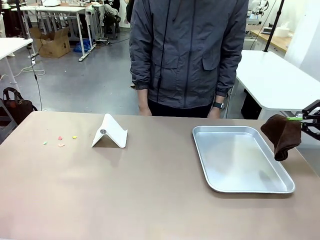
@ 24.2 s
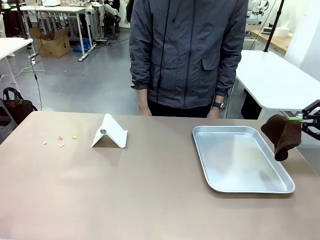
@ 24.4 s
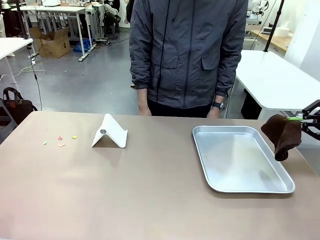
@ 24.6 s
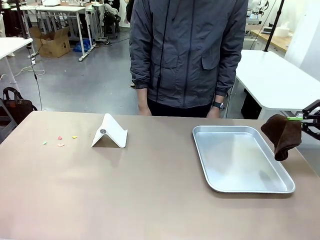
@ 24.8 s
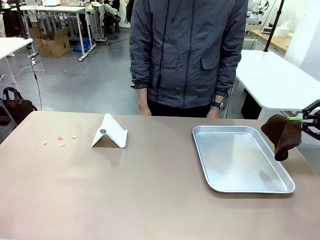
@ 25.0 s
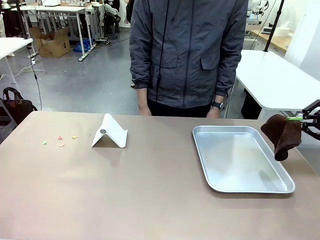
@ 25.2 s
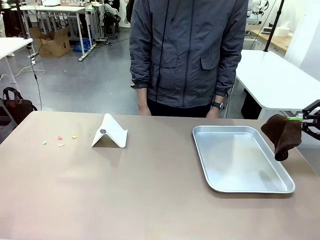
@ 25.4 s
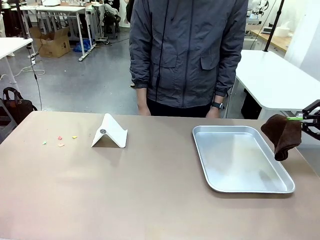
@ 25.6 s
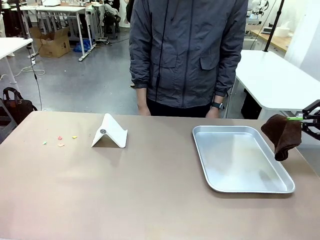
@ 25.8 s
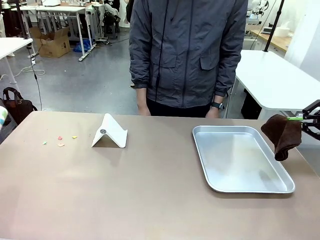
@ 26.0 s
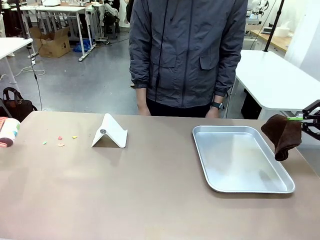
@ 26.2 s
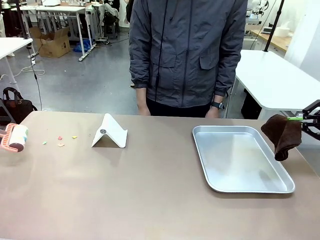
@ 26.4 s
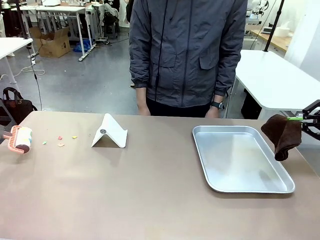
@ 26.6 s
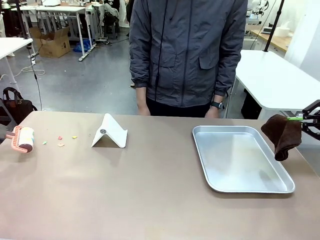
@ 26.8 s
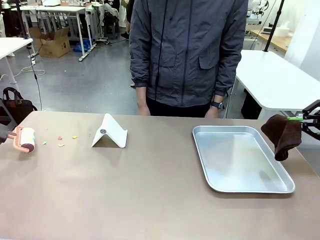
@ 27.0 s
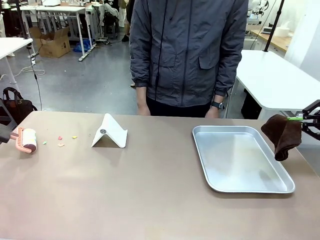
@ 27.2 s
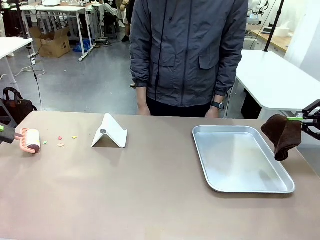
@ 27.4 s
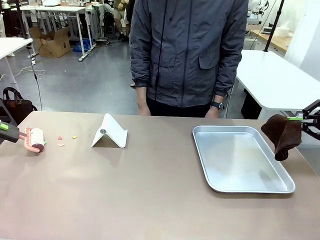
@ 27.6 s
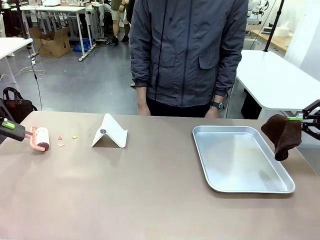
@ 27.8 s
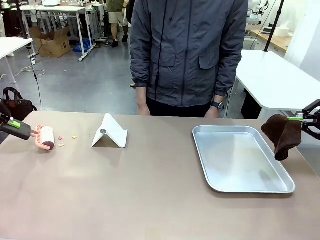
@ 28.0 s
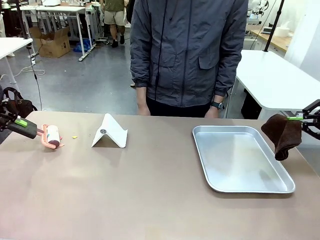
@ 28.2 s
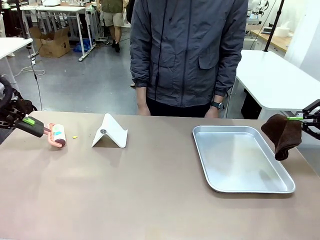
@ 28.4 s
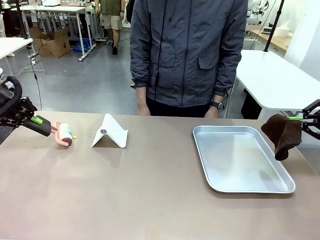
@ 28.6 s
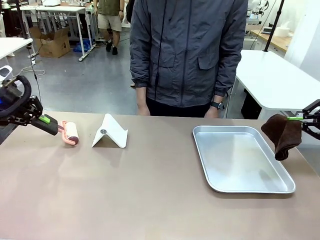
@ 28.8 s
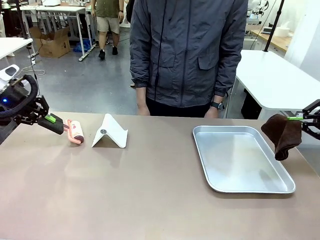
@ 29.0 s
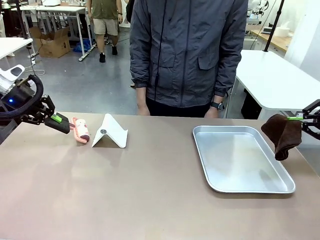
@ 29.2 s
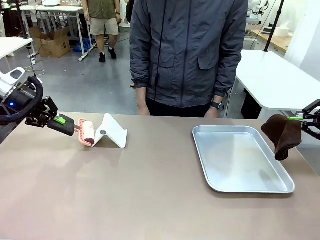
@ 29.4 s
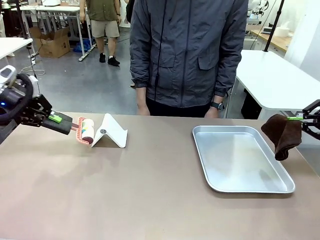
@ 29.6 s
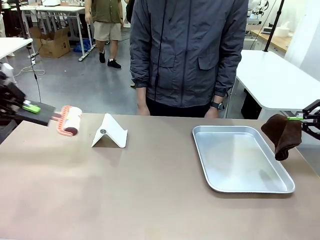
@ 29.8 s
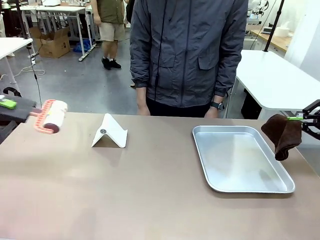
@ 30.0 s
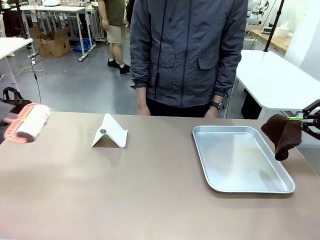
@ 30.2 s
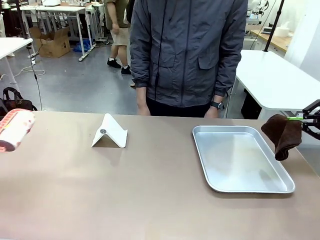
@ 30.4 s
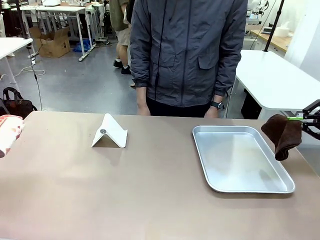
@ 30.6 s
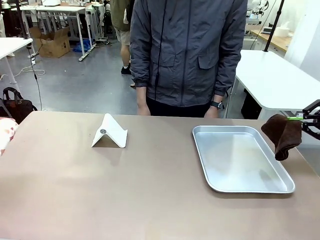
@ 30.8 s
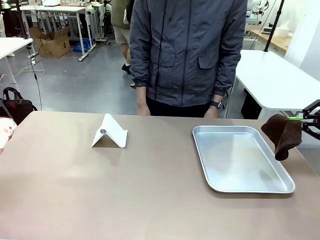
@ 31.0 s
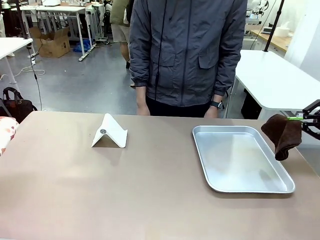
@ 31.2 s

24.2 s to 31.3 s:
Task: Clean the surface of the table.
Robot: Clean the area not pointed to by the person.

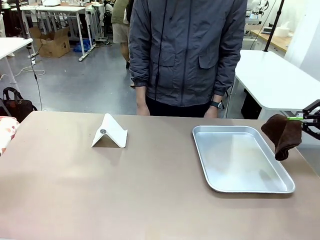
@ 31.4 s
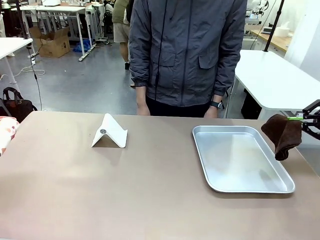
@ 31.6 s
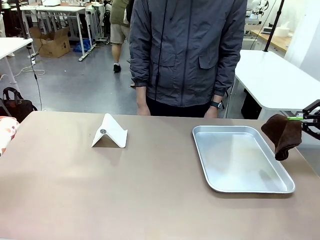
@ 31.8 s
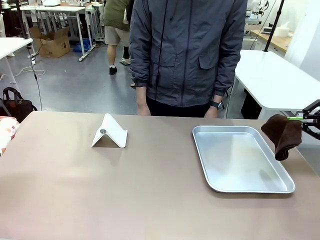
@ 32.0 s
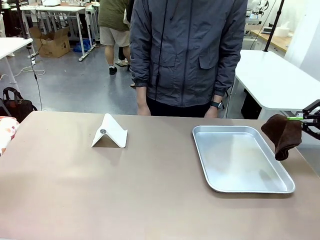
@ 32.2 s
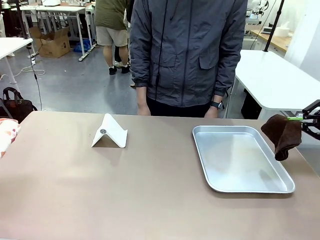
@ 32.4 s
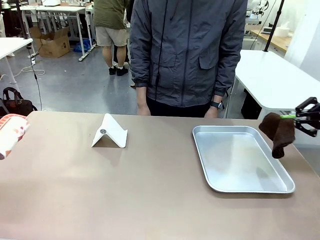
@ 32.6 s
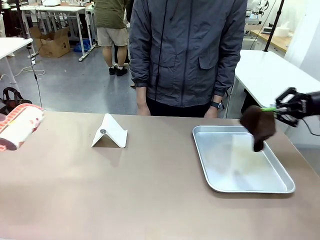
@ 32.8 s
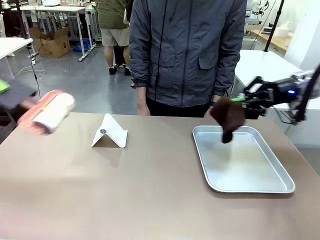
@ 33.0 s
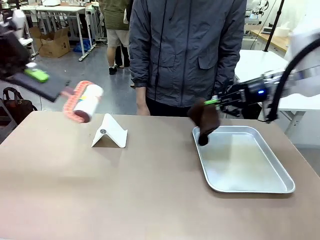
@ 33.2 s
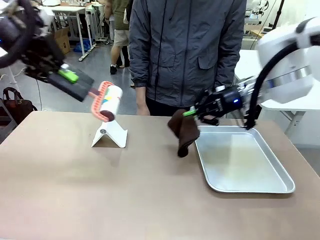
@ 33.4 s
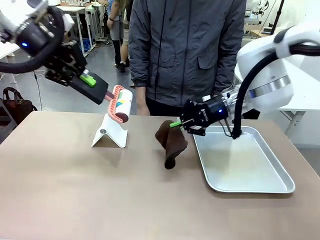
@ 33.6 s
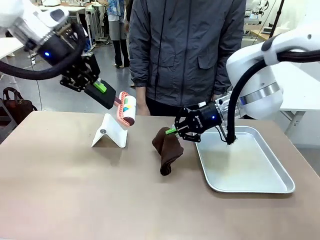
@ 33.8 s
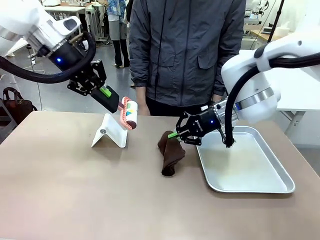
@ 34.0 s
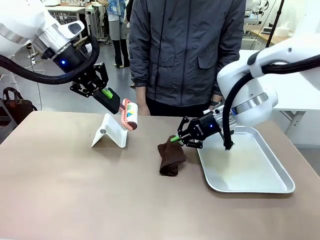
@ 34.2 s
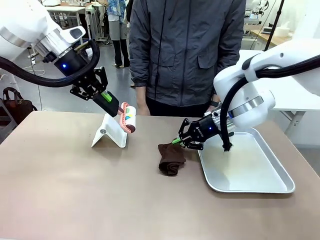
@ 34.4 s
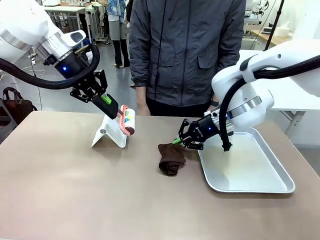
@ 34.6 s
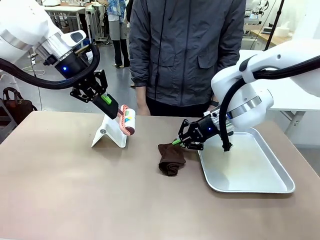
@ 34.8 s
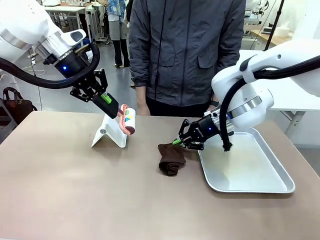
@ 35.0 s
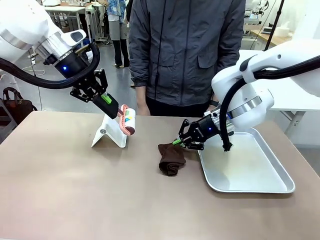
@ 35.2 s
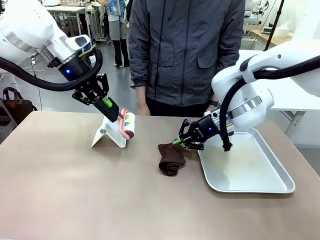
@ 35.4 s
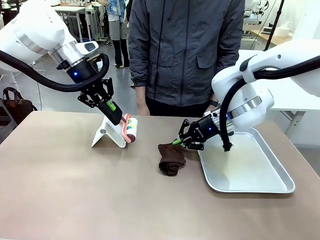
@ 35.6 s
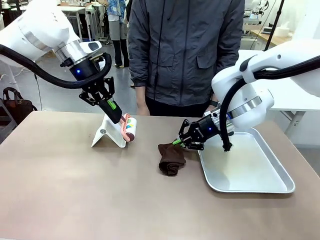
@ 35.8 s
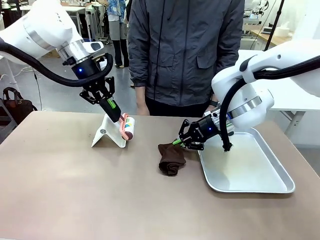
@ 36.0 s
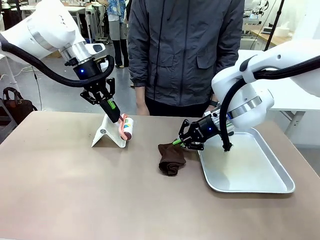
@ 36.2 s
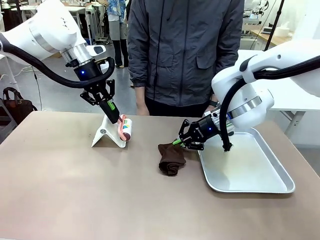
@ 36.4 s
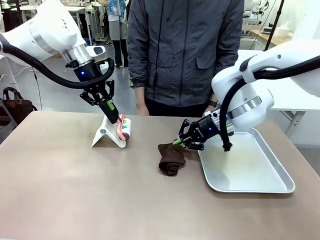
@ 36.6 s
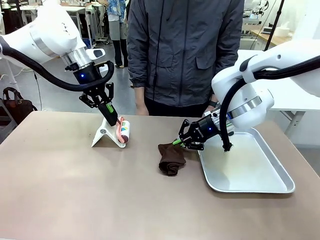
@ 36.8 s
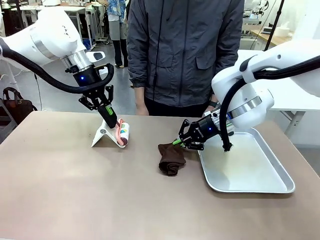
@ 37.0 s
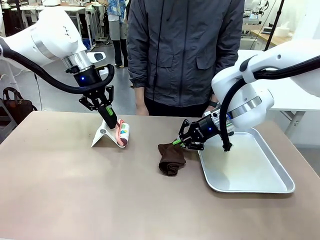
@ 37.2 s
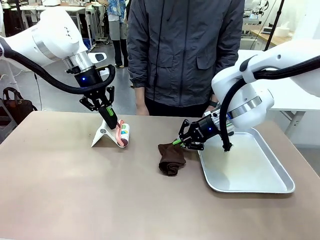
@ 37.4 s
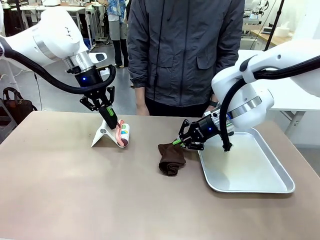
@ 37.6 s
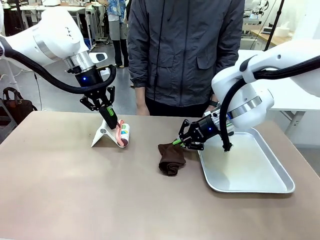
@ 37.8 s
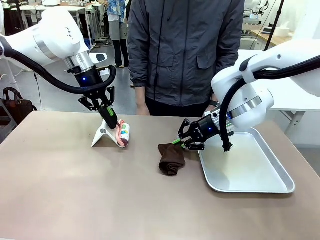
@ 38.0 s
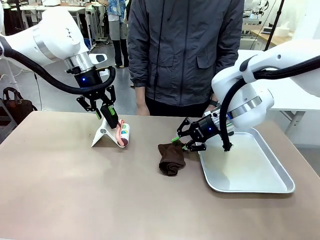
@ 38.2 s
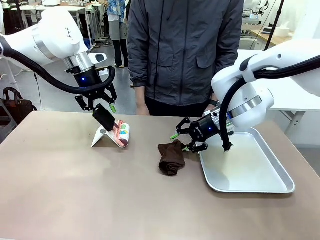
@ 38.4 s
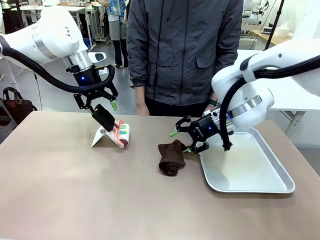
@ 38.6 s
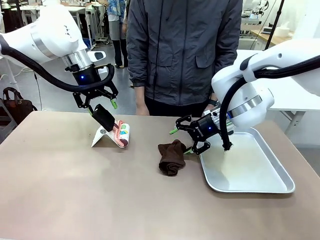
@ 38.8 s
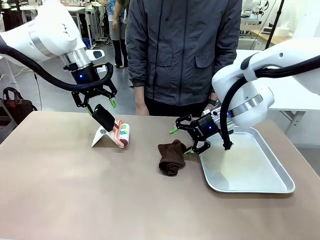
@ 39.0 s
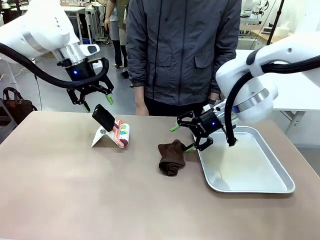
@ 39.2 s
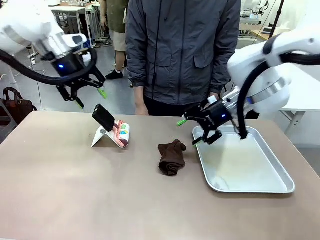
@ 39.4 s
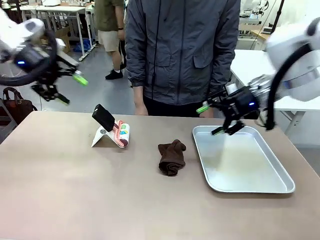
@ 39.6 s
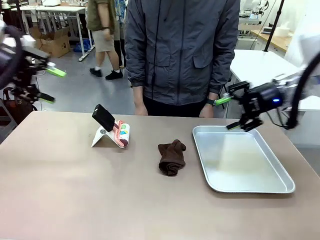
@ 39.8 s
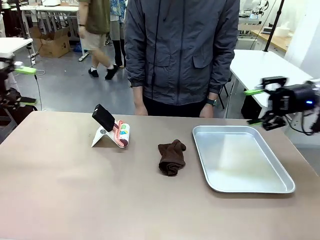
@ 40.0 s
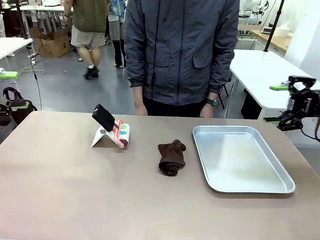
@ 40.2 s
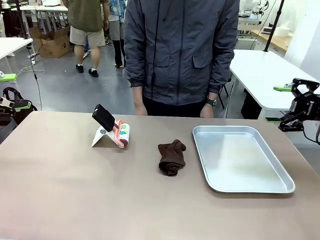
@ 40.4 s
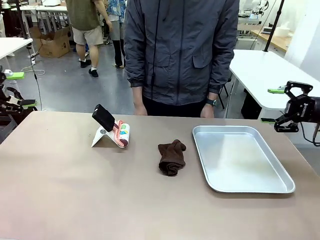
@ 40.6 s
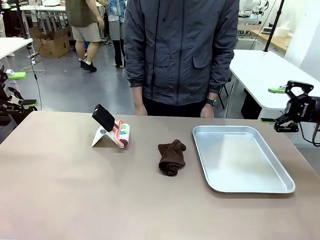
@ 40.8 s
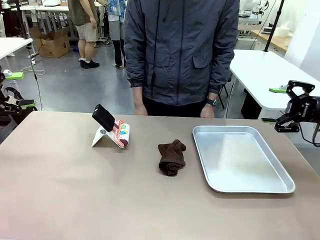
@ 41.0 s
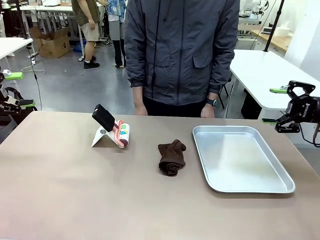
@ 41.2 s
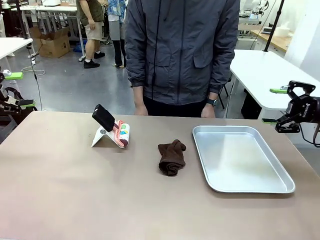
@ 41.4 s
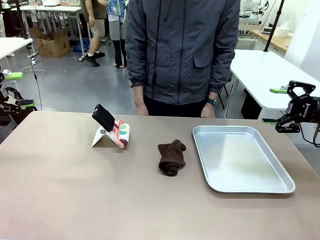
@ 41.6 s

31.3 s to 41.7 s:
Robot: Return the Lint Roller and towel to their original positions.
